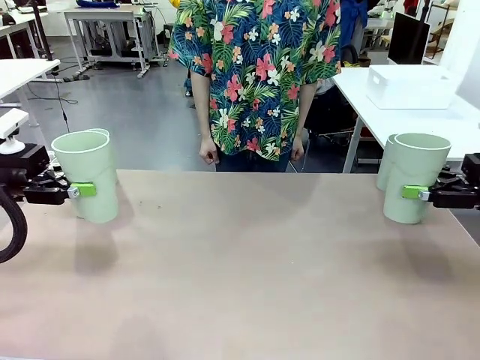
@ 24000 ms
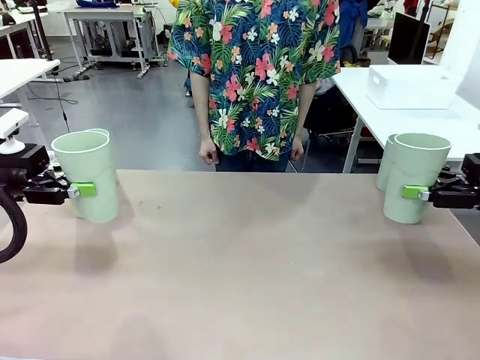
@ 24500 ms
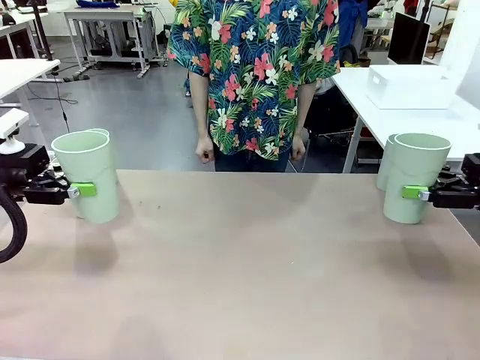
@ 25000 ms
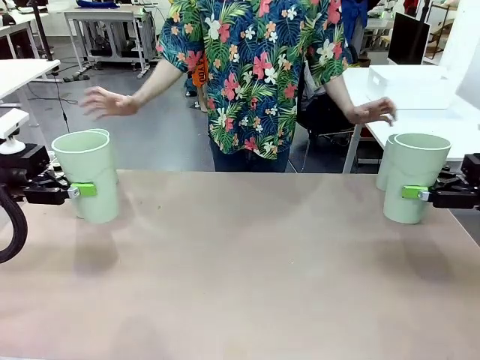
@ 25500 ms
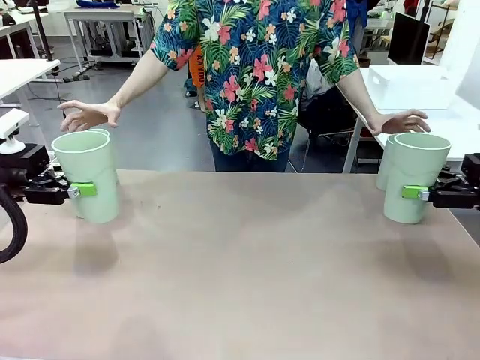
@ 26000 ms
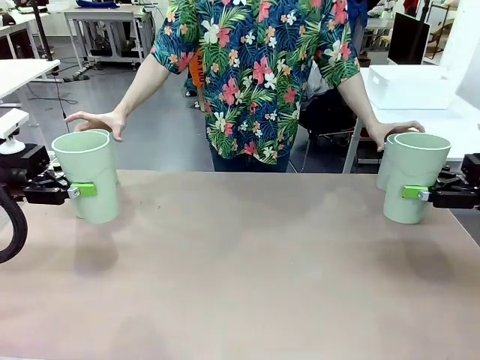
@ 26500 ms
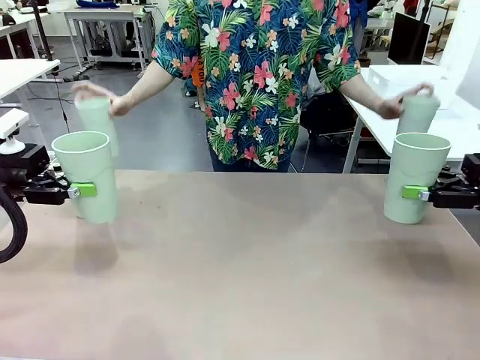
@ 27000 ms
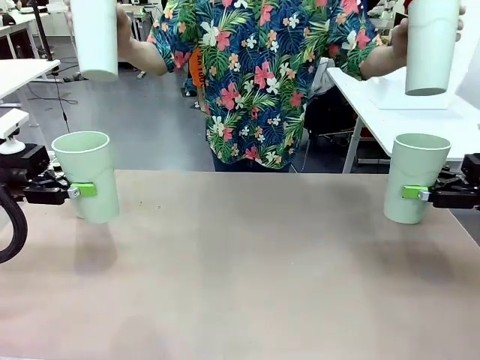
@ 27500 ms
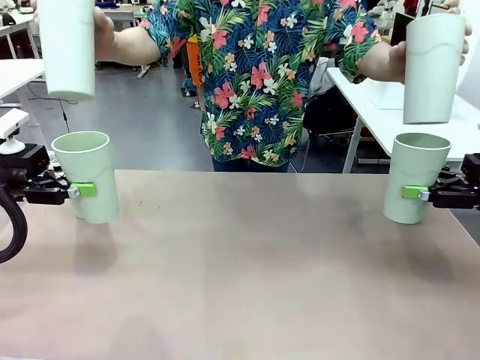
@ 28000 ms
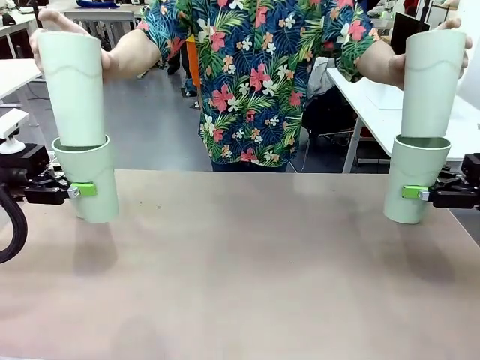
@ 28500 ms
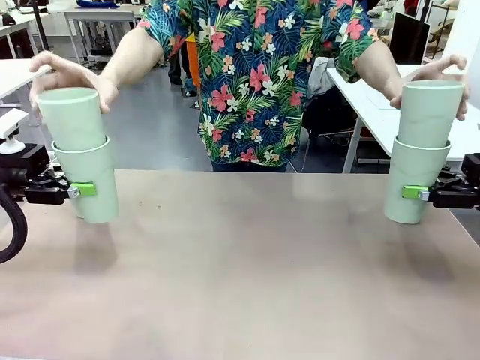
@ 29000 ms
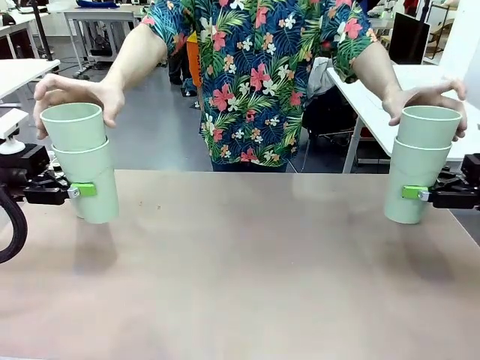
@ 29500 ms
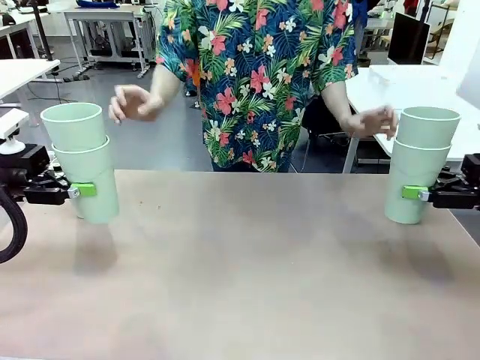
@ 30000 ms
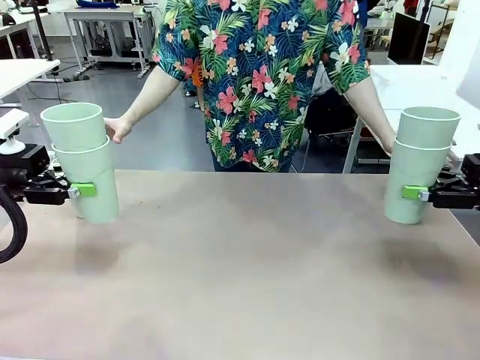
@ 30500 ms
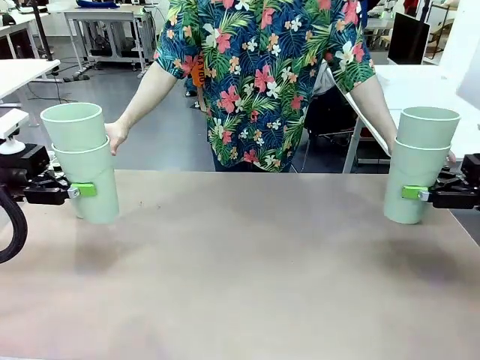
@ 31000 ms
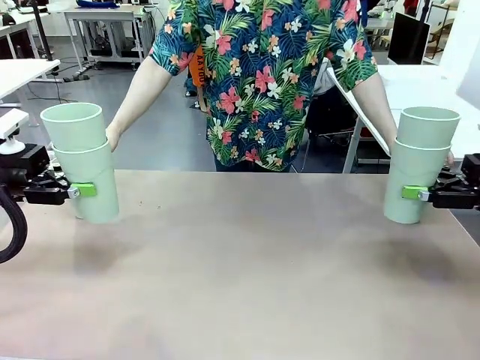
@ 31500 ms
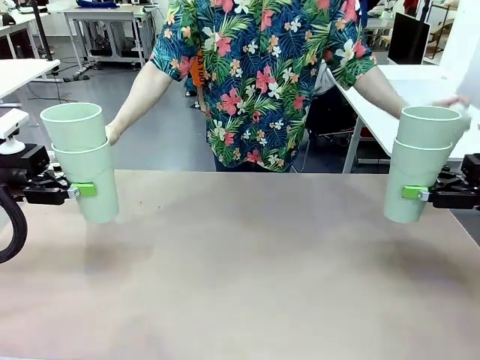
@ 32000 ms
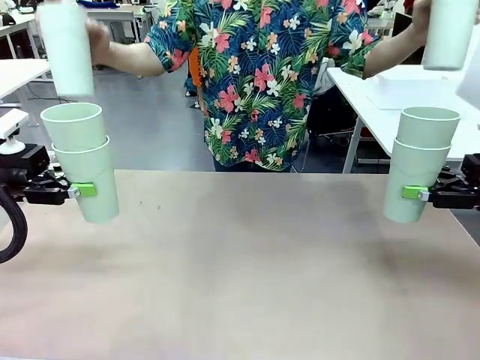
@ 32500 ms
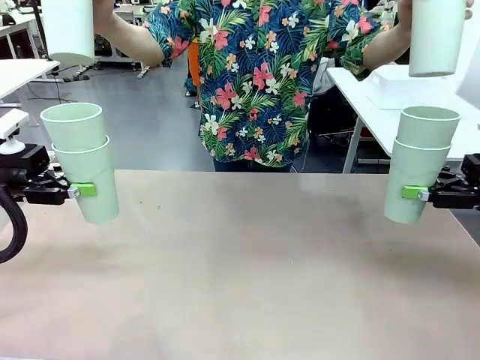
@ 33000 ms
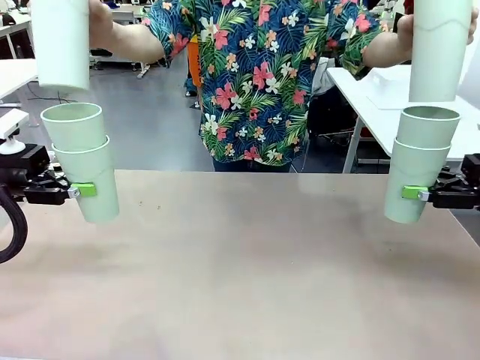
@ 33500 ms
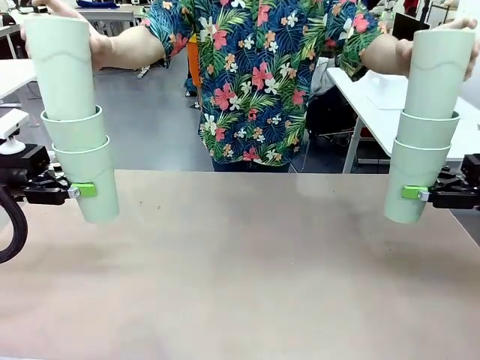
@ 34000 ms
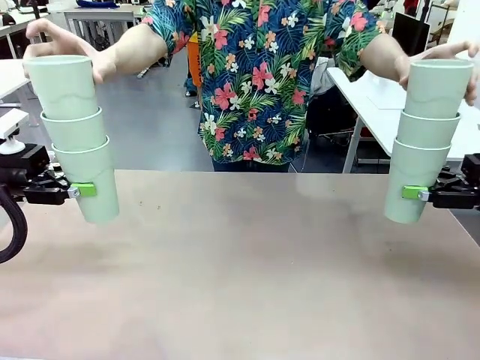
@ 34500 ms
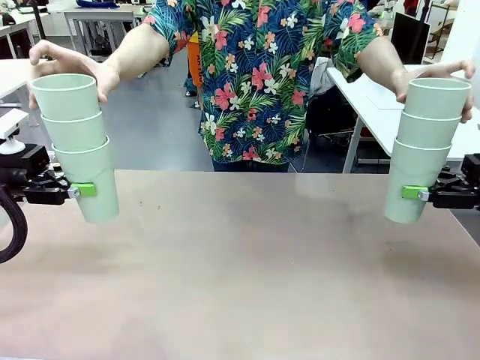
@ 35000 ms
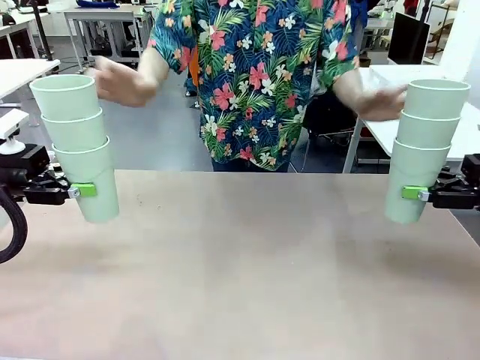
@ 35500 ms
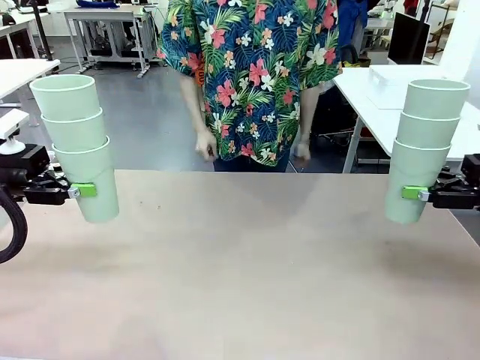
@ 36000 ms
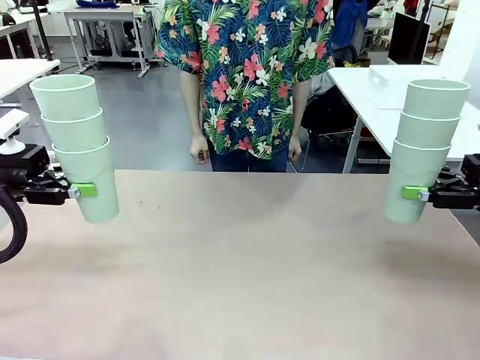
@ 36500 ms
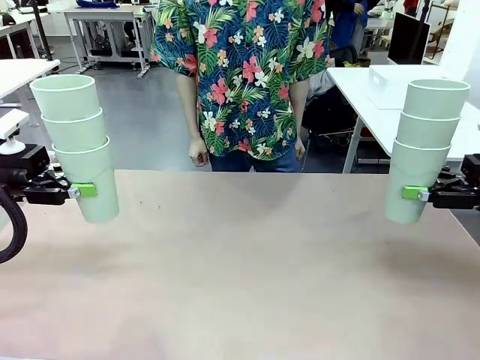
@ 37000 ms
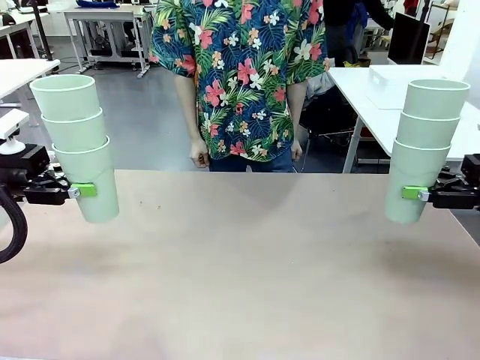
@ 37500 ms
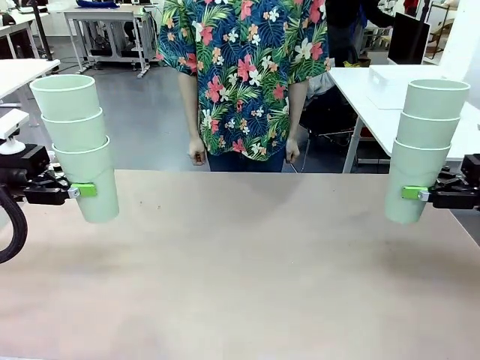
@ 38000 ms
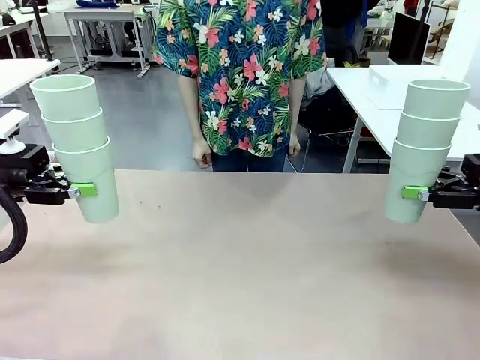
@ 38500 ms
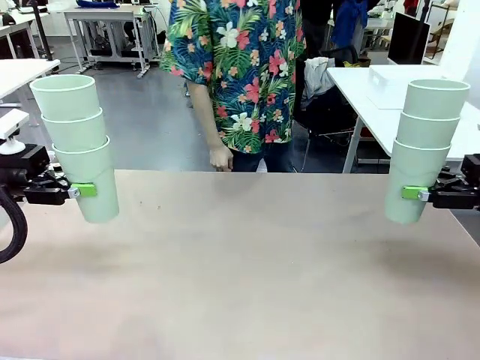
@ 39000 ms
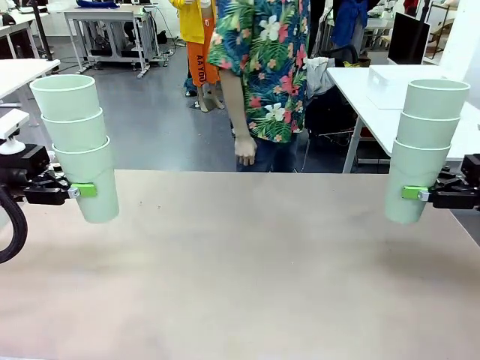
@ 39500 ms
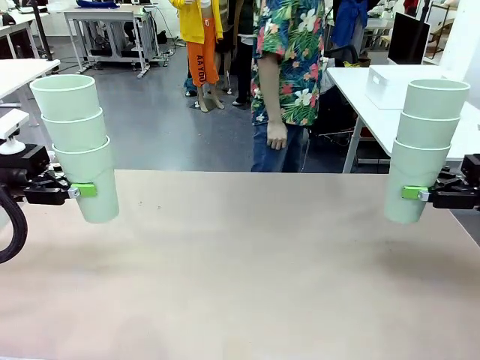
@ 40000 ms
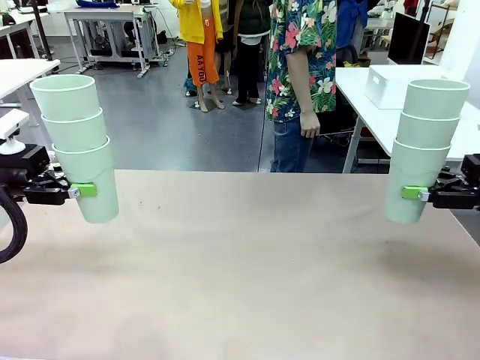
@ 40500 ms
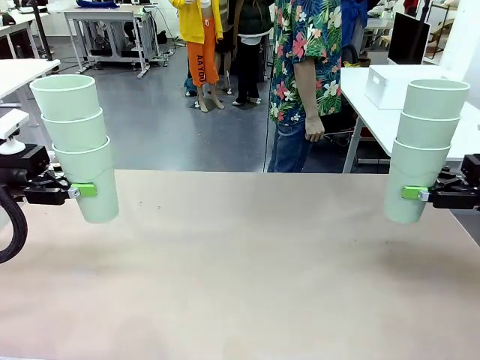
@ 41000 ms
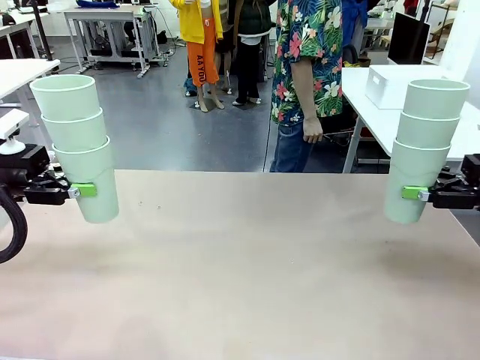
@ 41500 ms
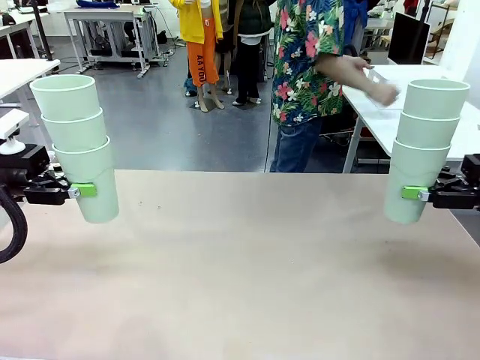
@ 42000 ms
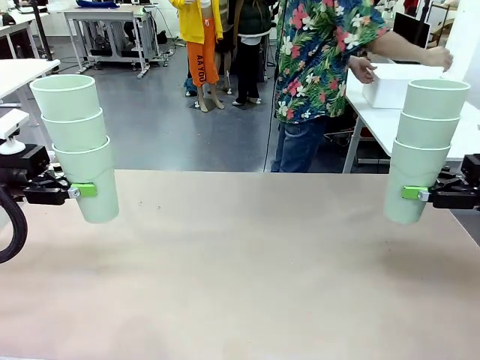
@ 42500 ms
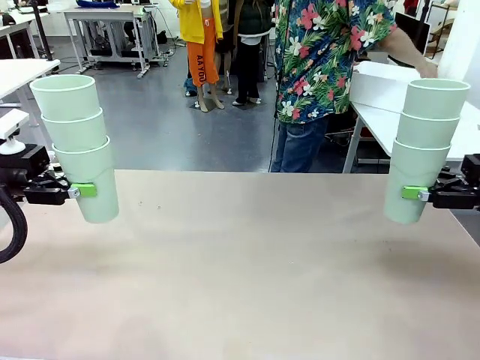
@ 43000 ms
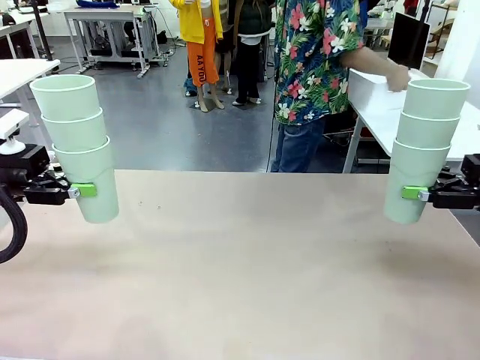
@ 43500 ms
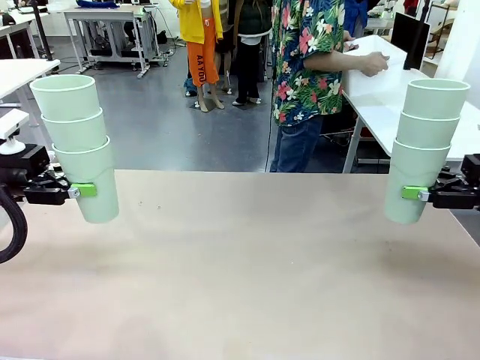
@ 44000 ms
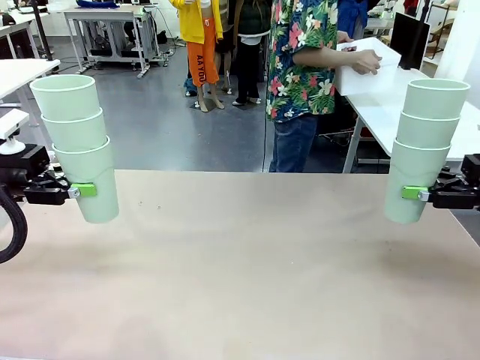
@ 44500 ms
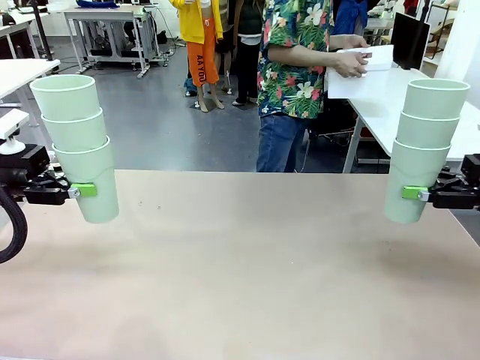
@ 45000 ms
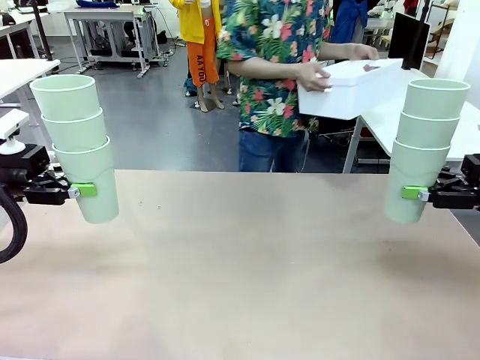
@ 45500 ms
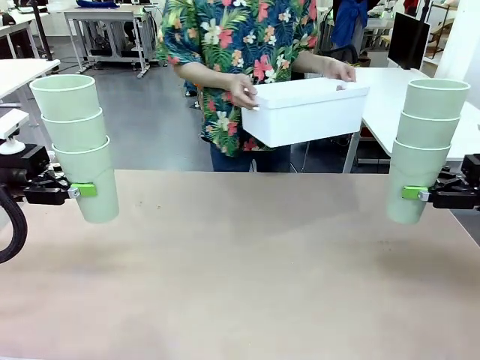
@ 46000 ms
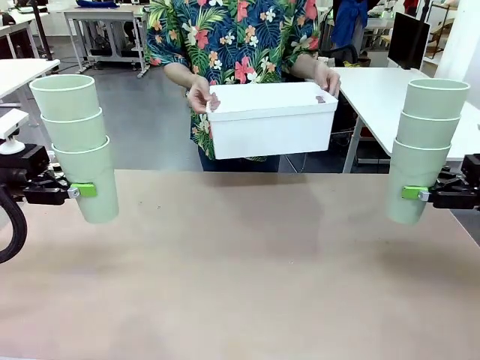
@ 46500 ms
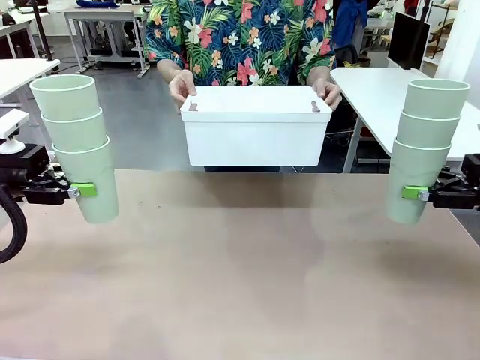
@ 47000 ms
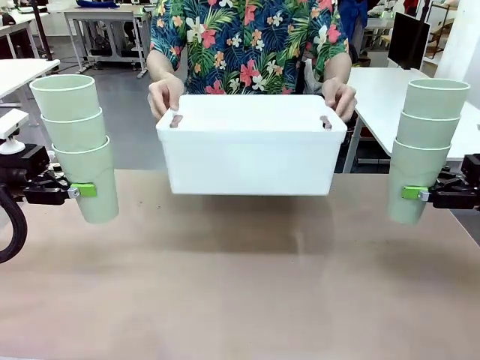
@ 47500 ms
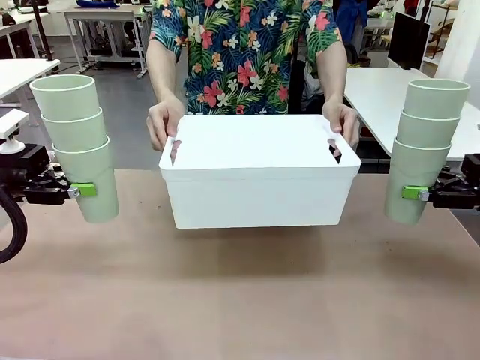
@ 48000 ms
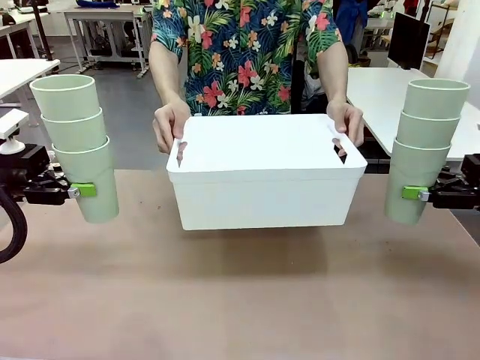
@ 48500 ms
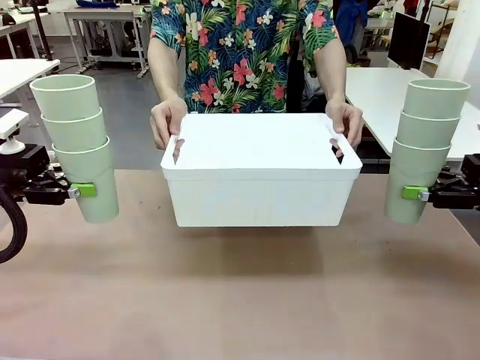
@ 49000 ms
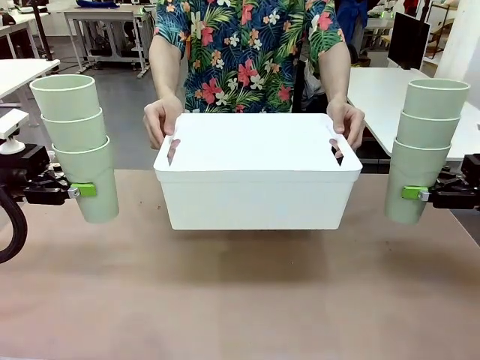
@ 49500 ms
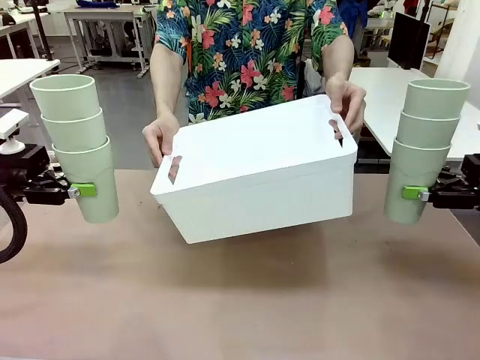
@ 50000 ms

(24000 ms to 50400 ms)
Task: Stack the cups and store them in the basket.
Robot: Place the stack of Reusable plastic cups into the Pantry Basket.
Person: Pick up the basket from the Human Table, bring it to the front of the robot, and present it.
